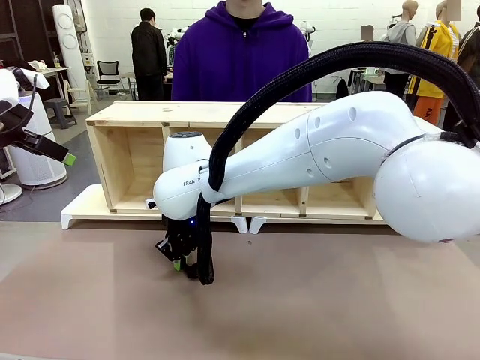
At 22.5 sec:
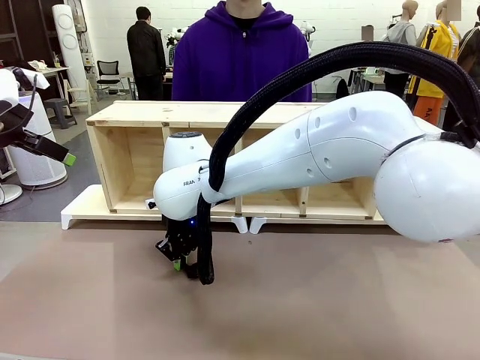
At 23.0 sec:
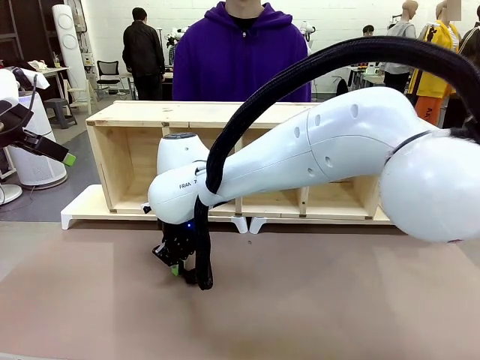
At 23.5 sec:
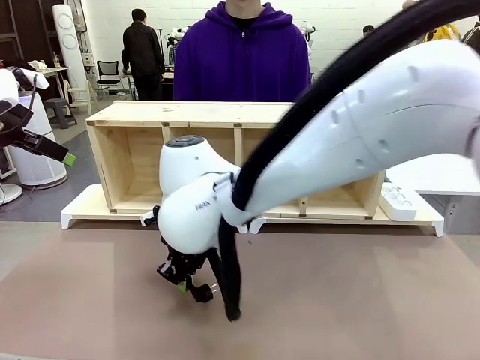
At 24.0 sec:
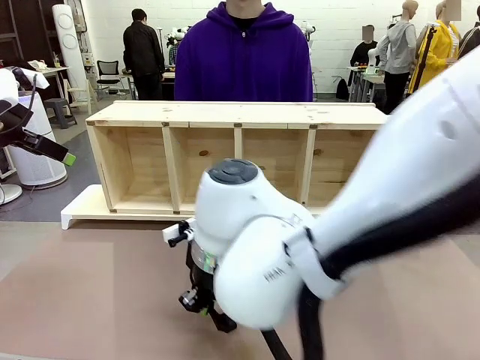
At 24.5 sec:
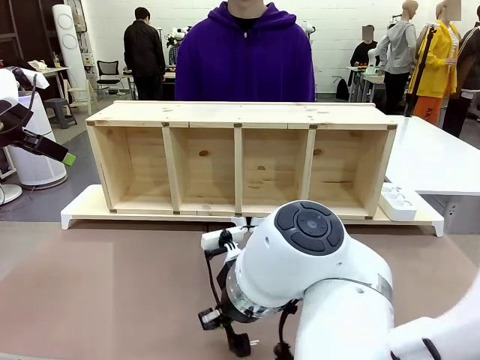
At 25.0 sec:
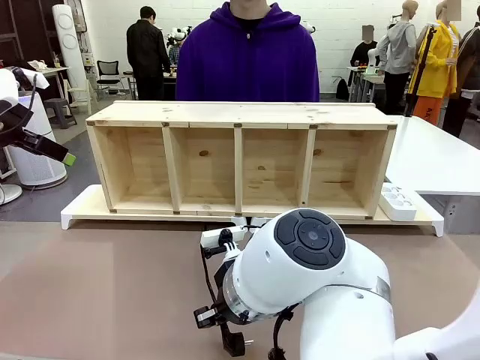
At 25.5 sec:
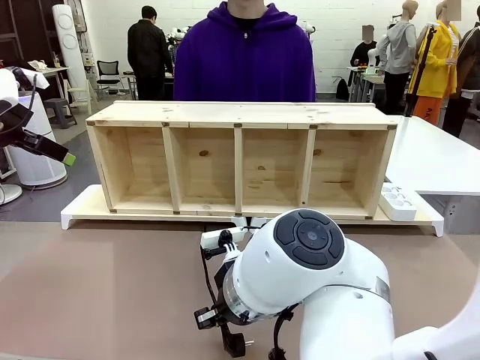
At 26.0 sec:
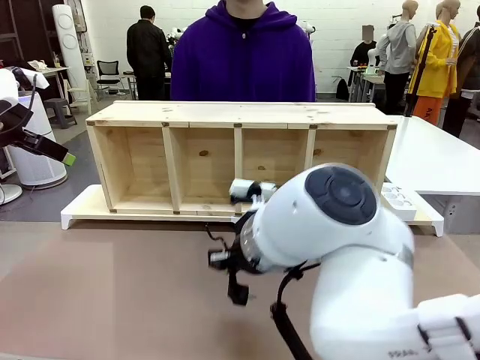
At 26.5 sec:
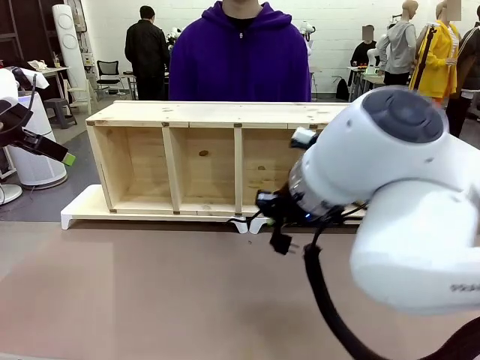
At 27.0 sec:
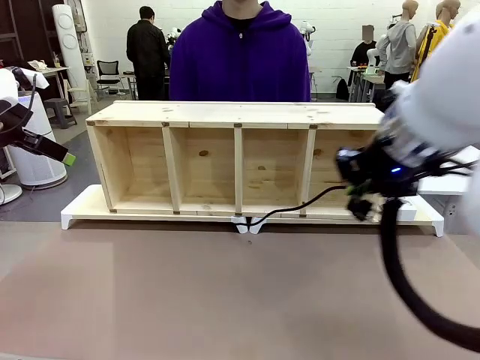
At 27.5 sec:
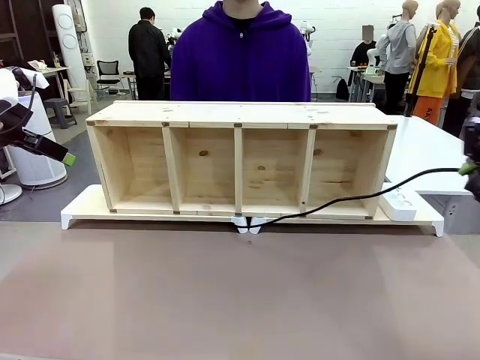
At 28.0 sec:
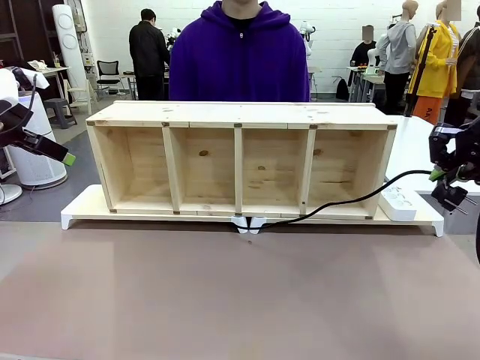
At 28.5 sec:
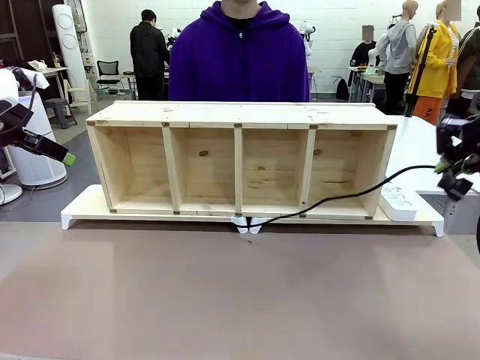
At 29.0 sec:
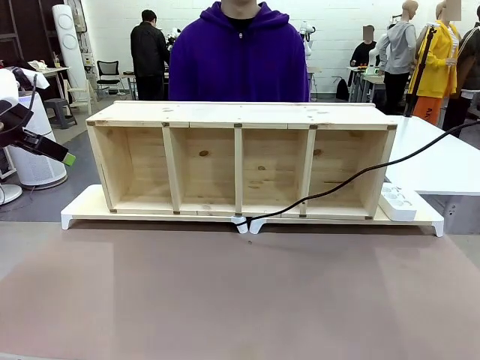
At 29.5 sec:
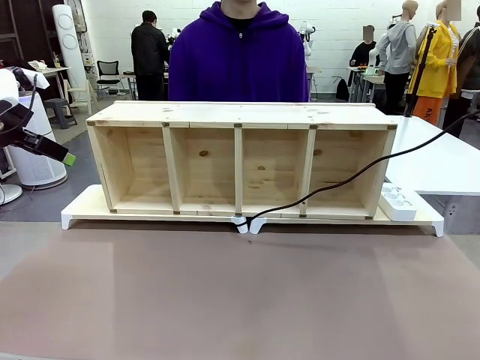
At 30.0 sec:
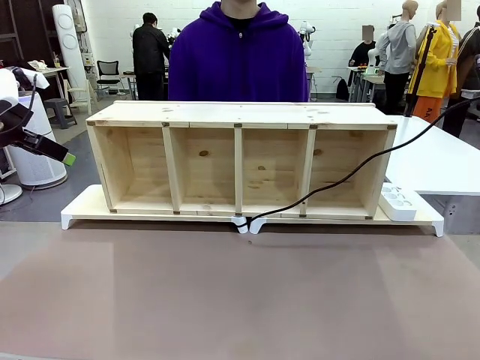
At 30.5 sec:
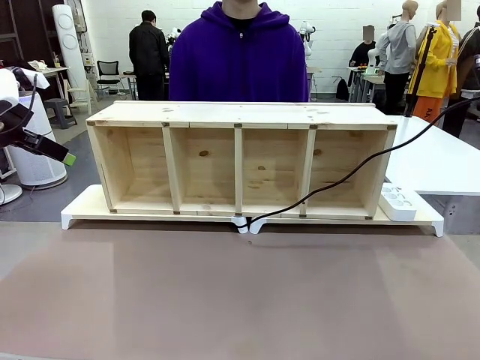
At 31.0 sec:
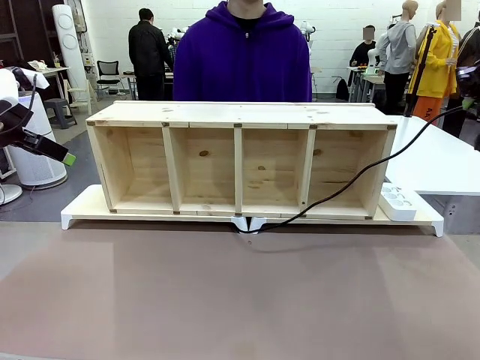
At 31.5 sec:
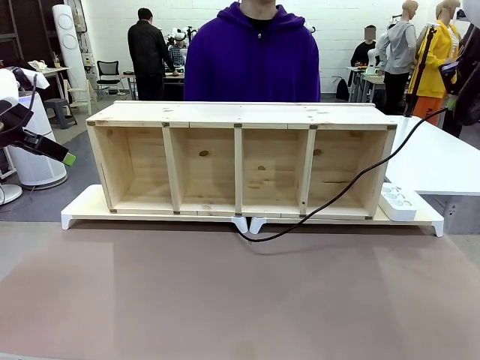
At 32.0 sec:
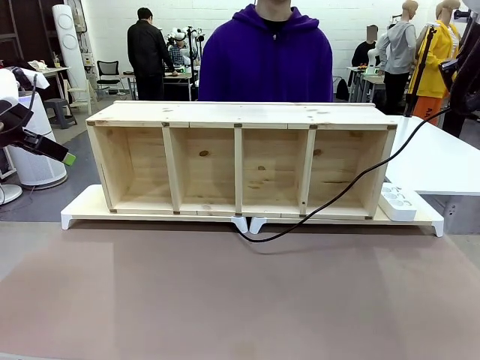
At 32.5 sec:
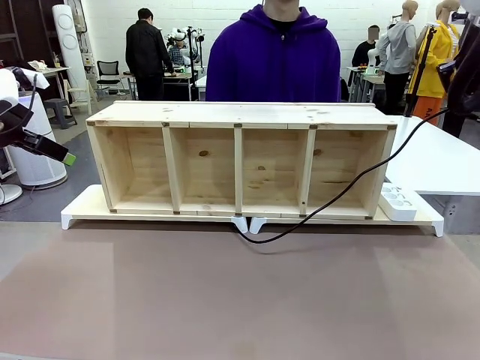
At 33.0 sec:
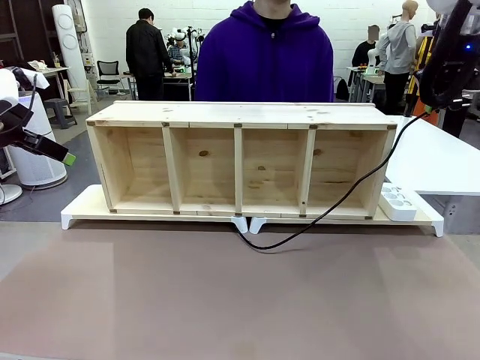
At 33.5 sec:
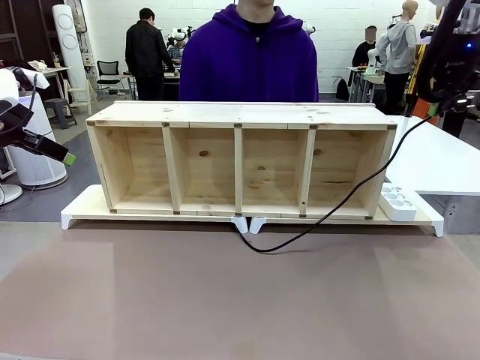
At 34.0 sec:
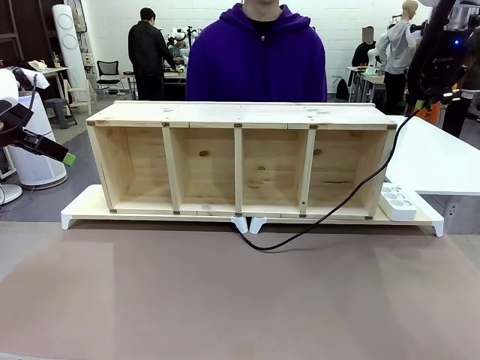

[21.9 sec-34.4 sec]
Task: Perform cable management.
Robot: Pull the grasped Power Cable to the location of the Power Strip.

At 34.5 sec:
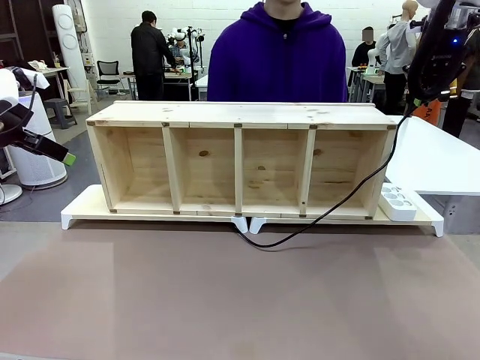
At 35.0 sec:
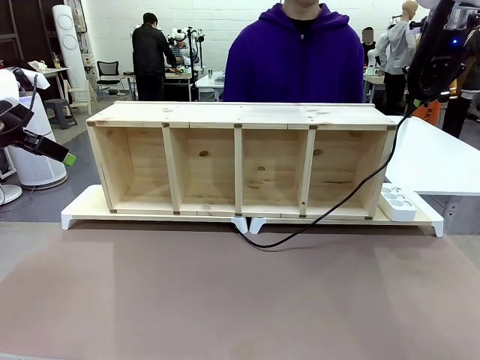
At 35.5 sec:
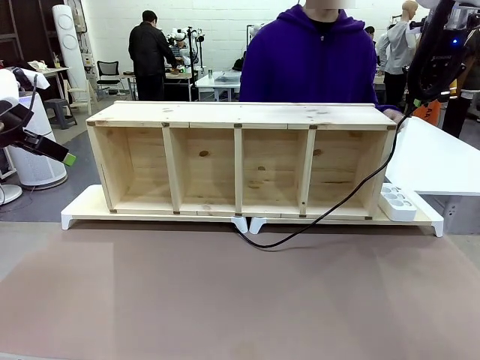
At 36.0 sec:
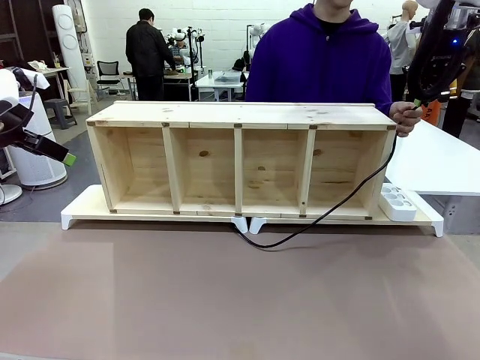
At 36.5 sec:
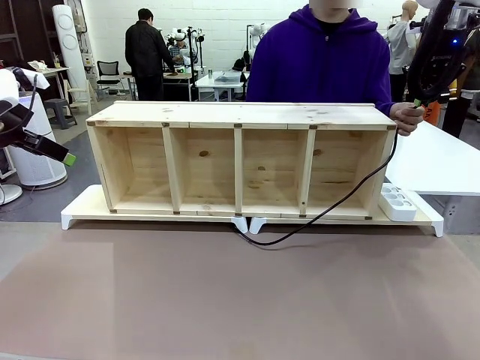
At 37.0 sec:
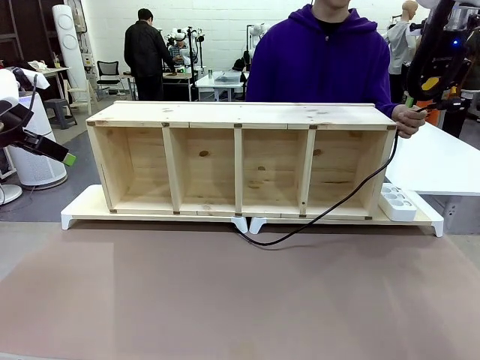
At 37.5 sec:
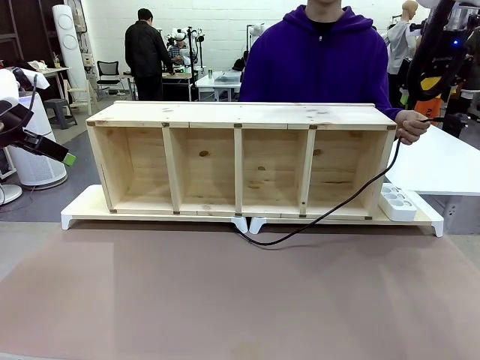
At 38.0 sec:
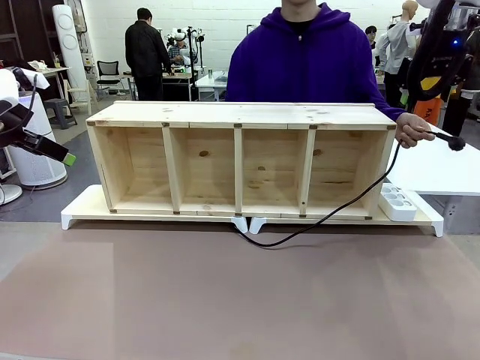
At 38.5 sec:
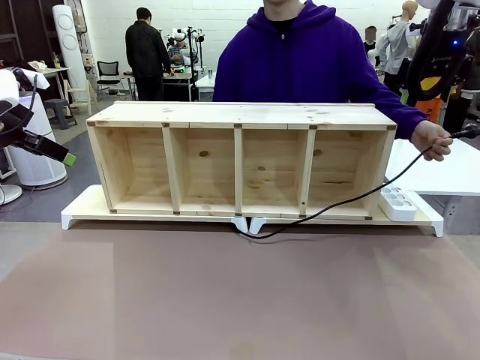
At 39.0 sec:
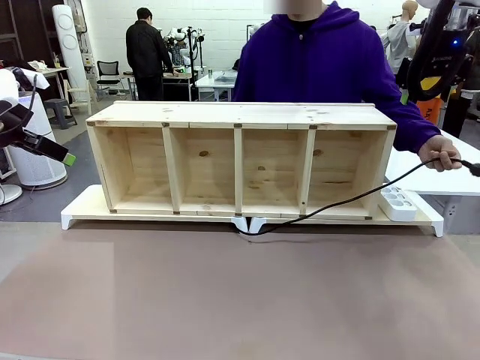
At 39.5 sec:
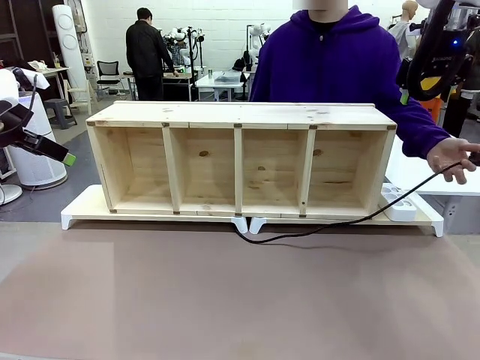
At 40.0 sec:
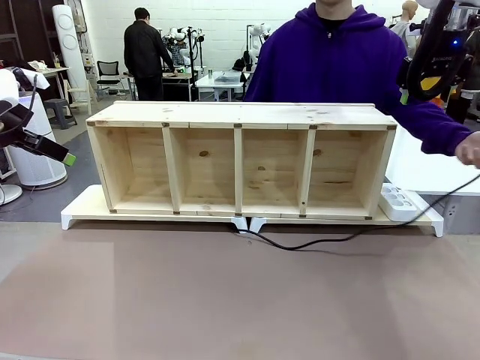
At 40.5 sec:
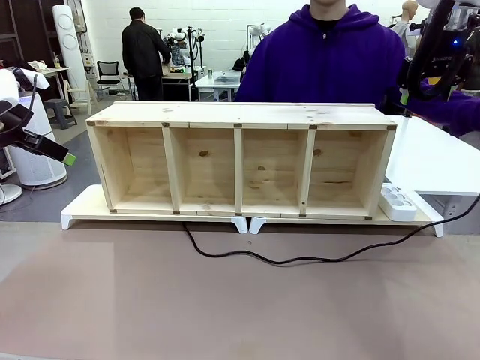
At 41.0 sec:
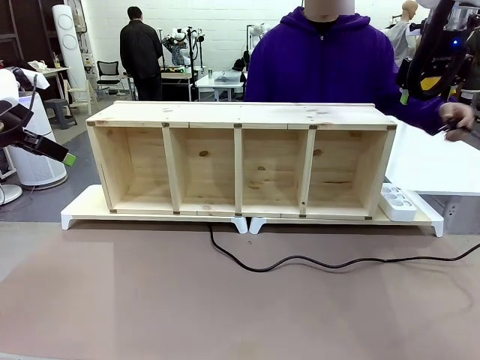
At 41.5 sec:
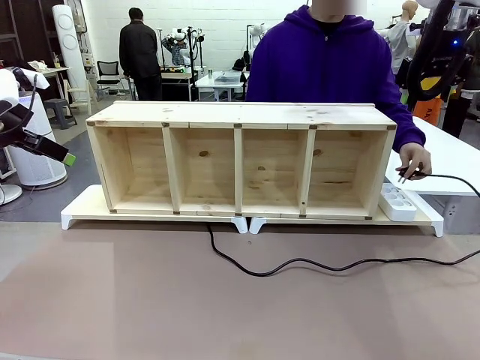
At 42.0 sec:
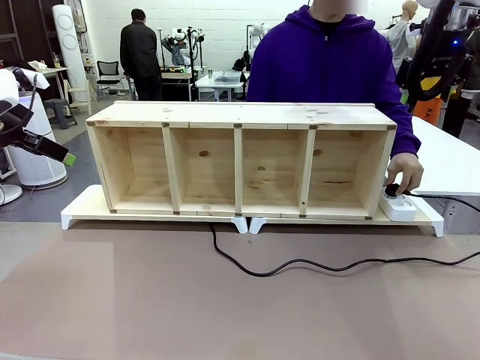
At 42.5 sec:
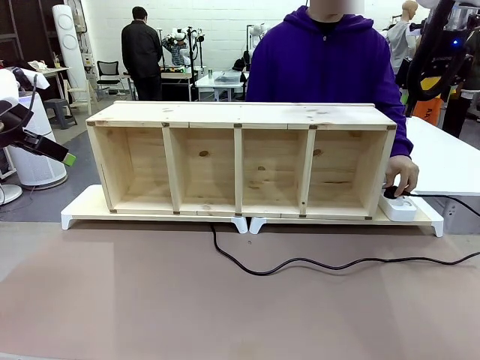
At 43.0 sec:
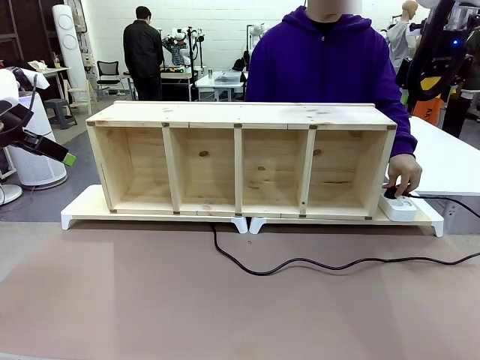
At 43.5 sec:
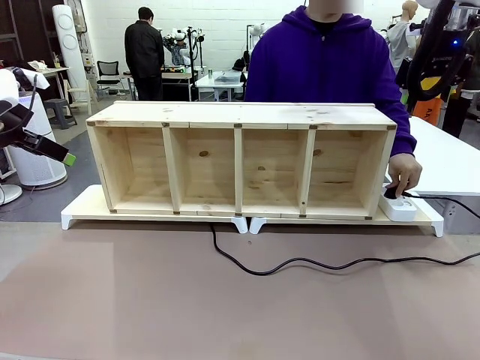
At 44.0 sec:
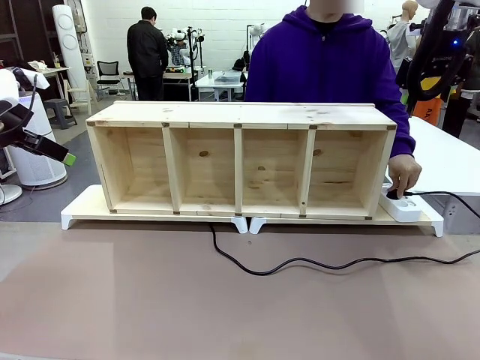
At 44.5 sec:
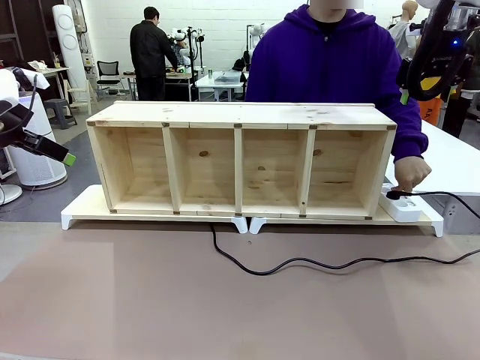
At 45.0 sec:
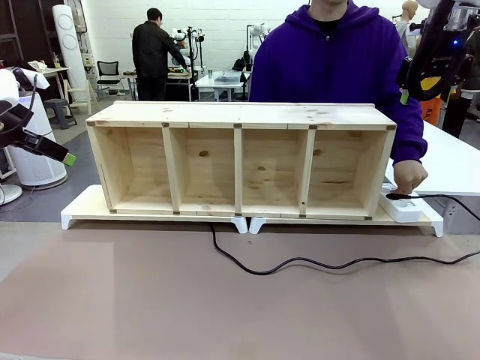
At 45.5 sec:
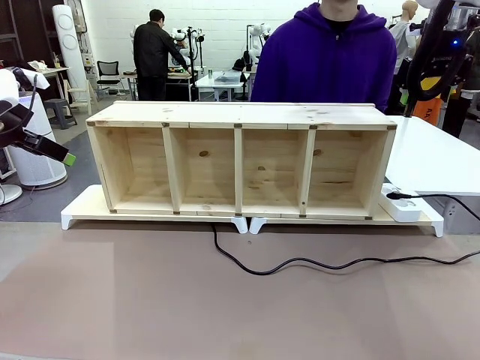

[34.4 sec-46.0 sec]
Robot: Release the Power Cable when the human grasps it.
Person: Plug the Power Cable into the Power Strip.

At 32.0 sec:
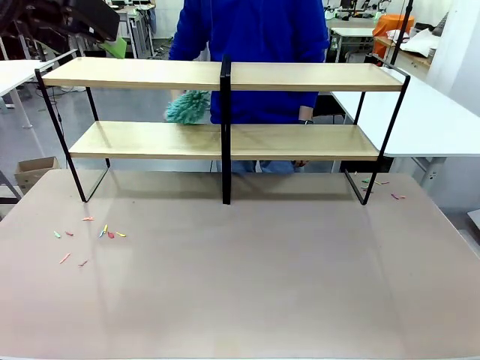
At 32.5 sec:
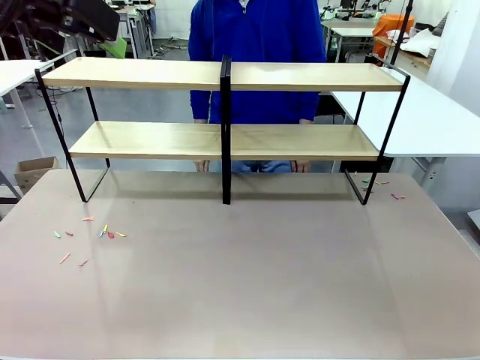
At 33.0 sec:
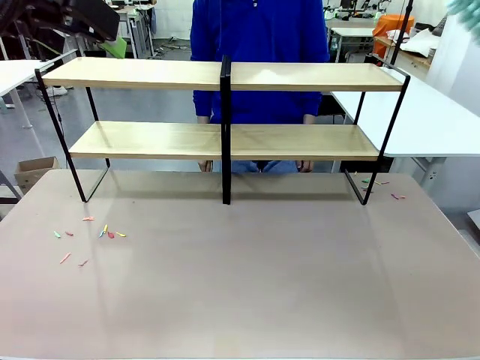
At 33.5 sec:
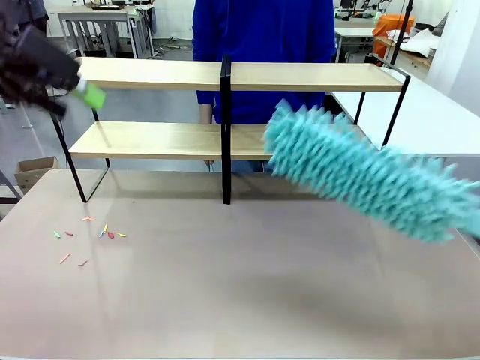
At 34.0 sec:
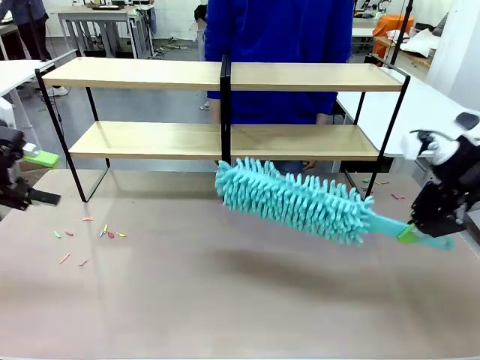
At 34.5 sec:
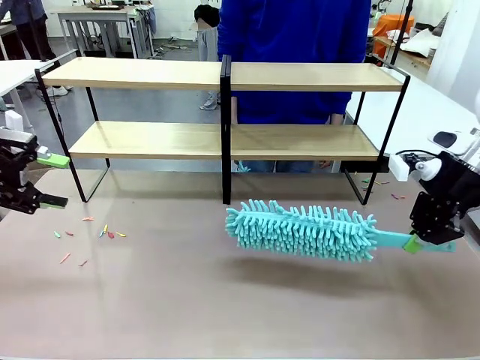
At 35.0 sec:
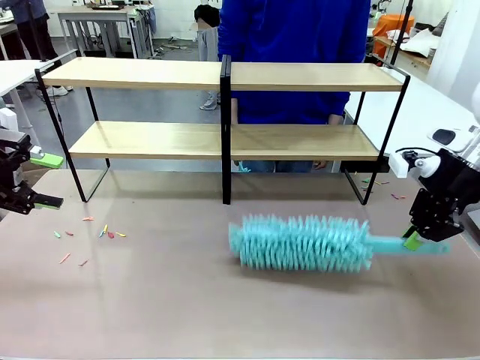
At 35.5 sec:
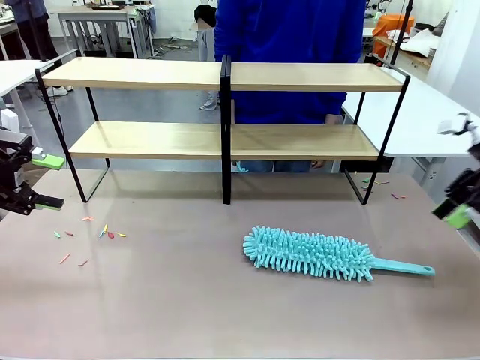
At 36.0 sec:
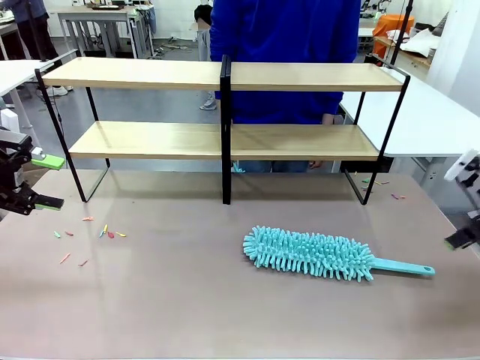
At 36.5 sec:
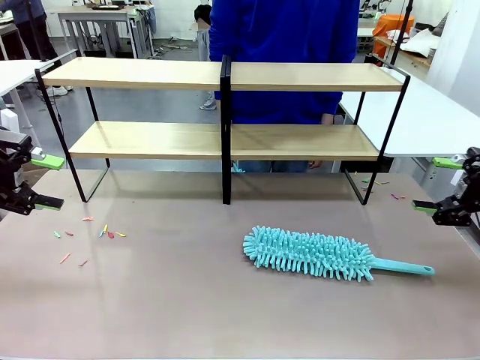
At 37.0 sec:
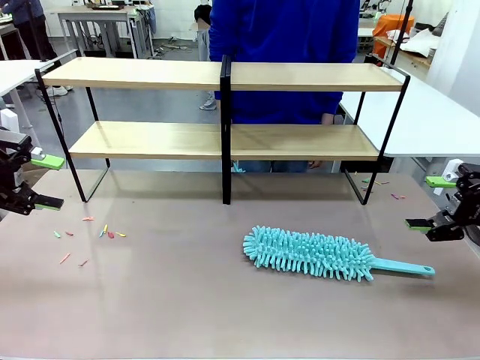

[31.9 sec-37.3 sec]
Task: Clean the shelves.
Robot: Place the Duster on the table.
